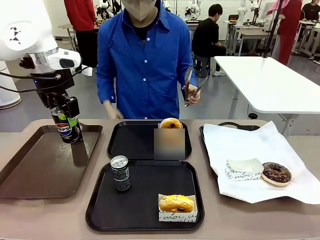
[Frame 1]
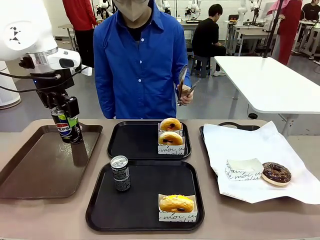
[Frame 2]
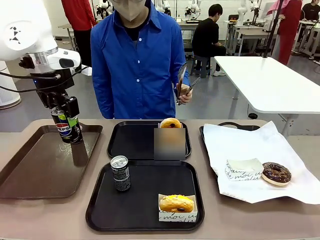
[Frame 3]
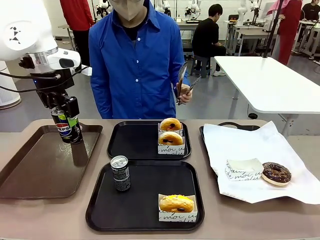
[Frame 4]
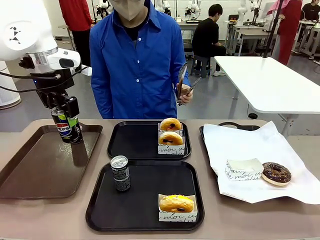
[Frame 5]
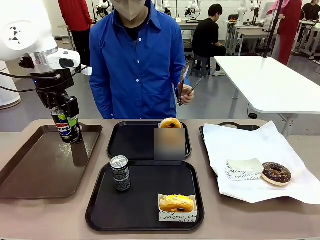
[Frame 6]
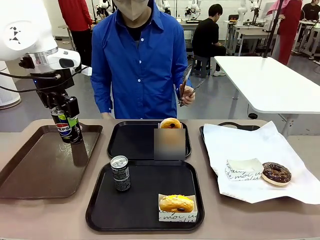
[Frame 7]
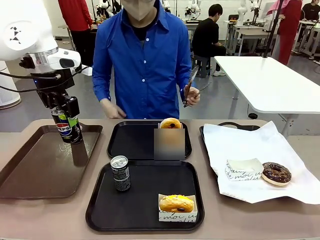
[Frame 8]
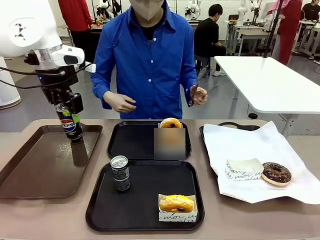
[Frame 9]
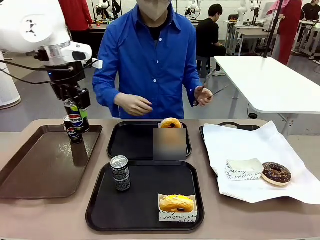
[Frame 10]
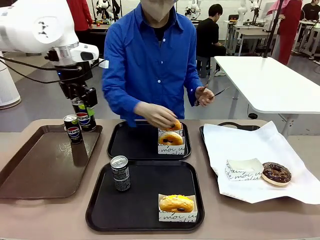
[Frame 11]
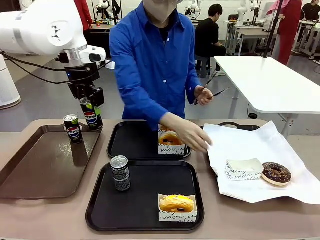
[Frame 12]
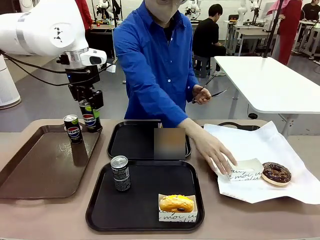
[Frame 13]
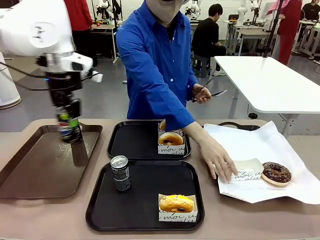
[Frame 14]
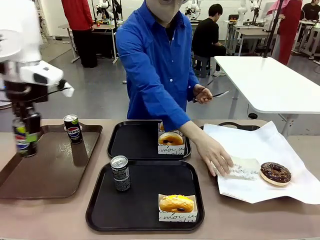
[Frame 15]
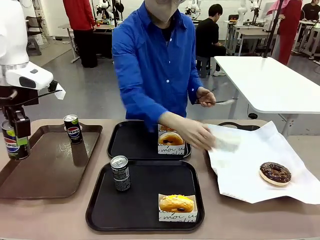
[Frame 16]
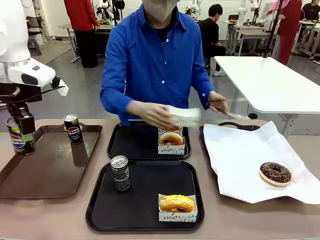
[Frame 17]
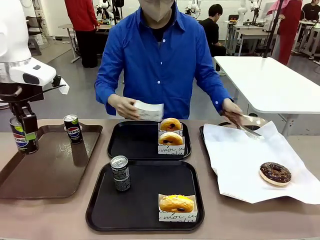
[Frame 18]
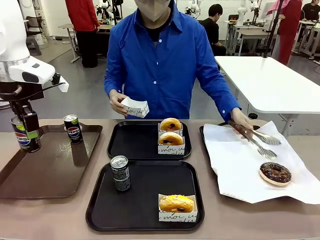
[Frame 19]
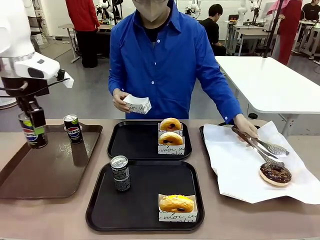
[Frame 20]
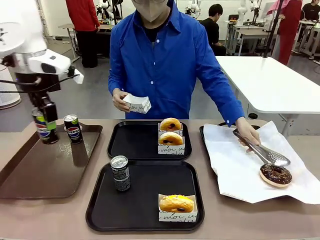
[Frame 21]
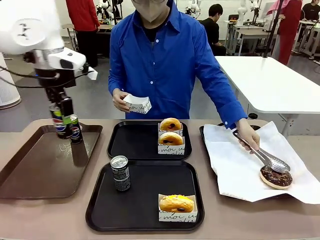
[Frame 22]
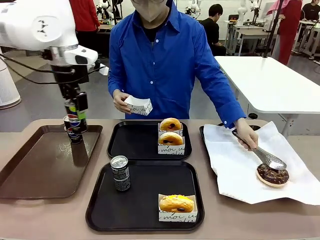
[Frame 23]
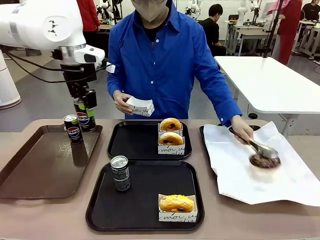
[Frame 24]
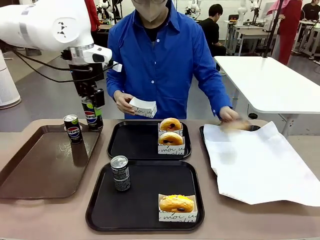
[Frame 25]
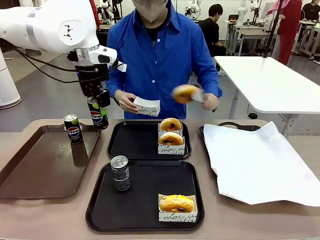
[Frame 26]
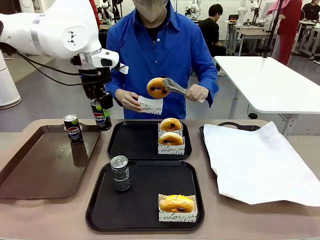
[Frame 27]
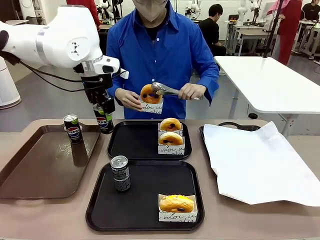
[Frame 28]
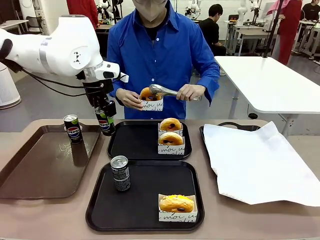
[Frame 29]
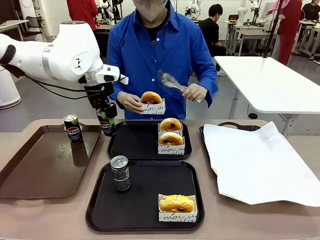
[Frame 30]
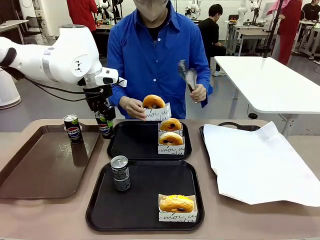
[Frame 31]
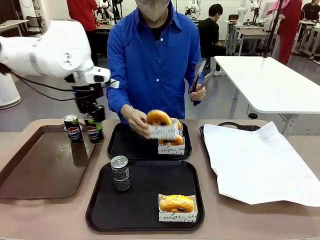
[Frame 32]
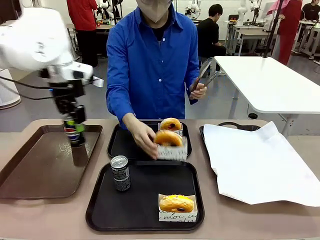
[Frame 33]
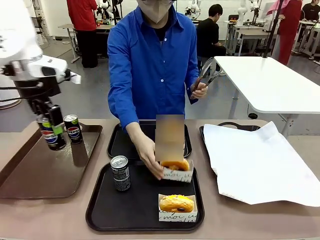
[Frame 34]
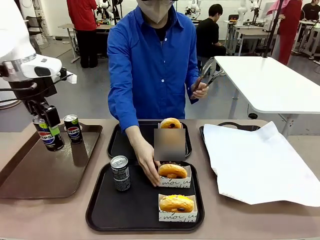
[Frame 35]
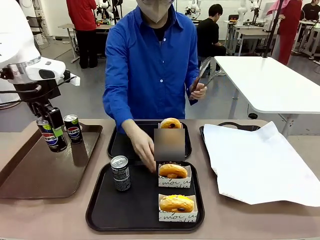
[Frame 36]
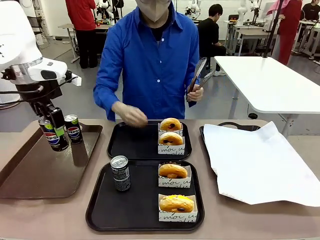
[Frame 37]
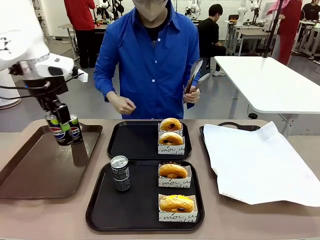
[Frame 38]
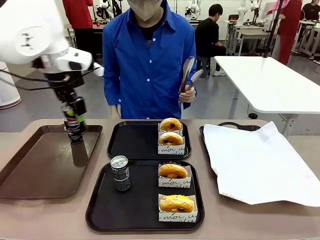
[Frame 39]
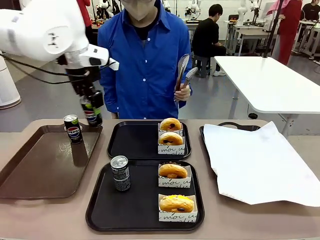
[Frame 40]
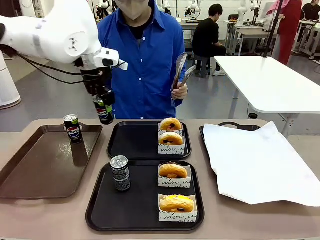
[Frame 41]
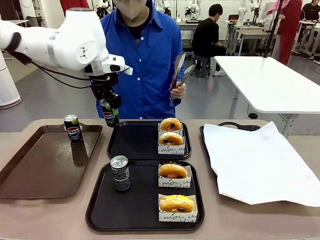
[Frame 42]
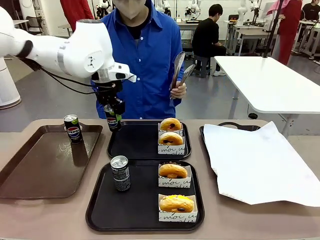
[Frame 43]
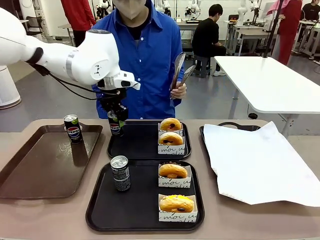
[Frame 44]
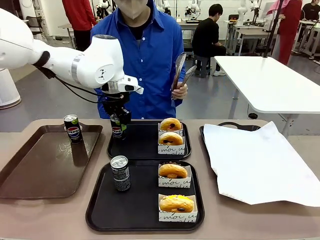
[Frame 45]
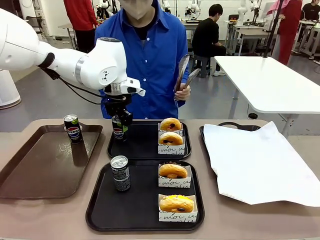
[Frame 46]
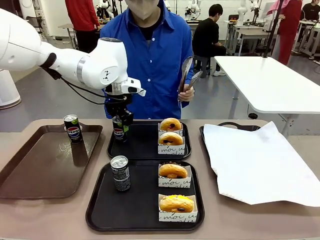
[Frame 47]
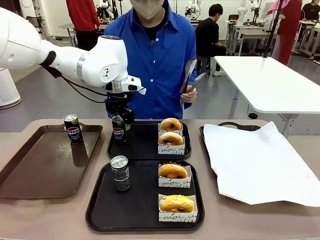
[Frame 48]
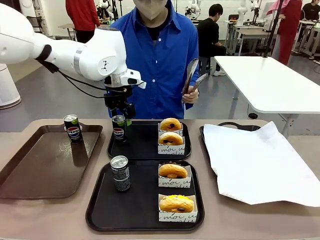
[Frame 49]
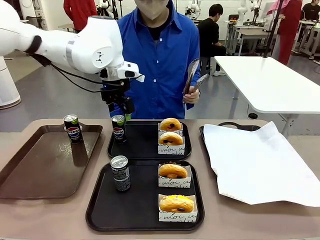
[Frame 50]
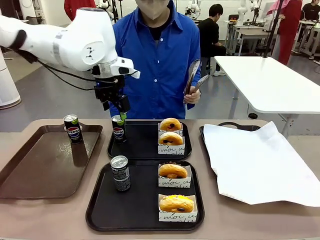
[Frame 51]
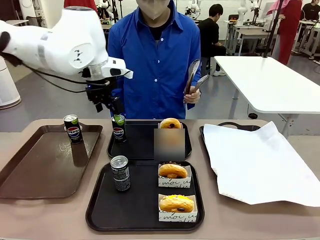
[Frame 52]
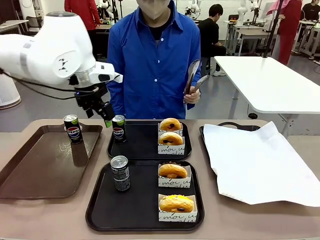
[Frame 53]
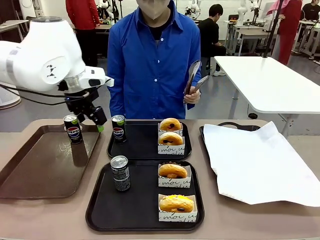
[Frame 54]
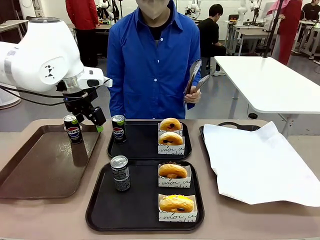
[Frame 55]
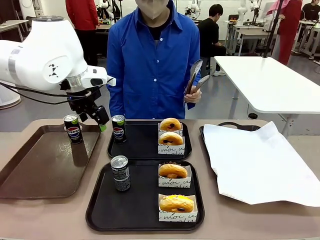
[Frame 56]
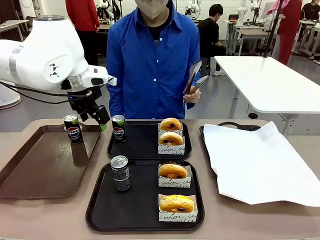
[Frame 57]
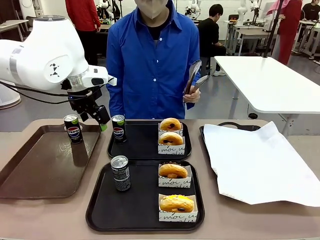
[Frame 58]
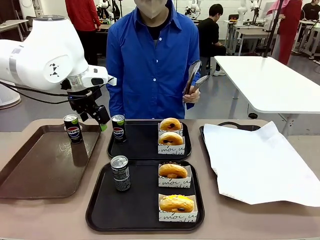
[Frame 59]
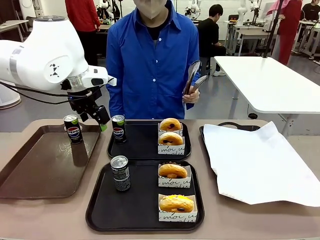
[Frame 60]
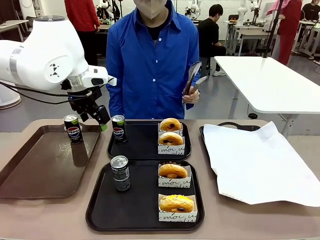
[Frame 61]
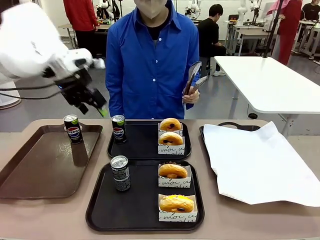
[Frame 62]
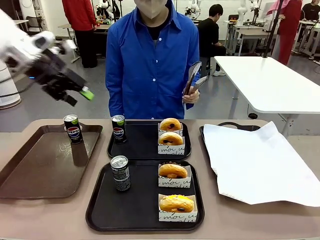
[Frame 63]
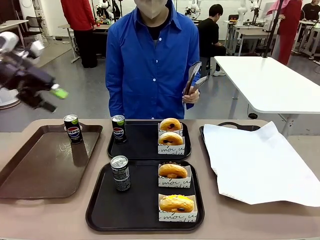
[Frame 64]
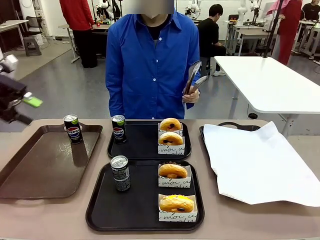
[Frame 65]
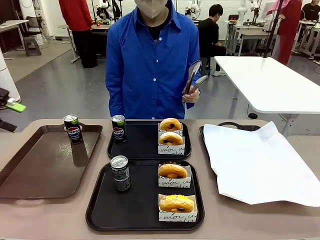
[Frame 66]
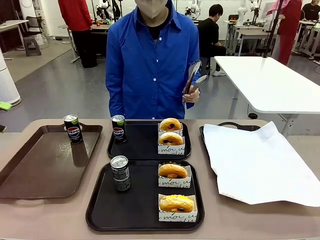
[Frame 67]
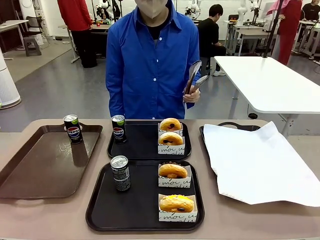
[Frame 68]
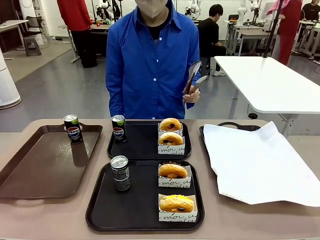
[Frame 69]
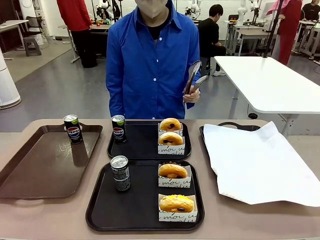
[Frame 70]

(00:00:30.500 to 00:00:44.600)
Task: Set up donuts and drinks on trays.
Robot: Pick up one Pepsi coke from the Handle tray and place it on the Flat Tray without a Pepsi coke.

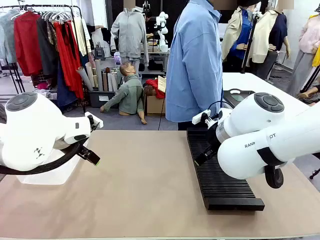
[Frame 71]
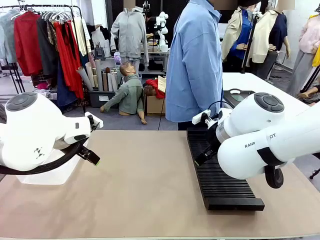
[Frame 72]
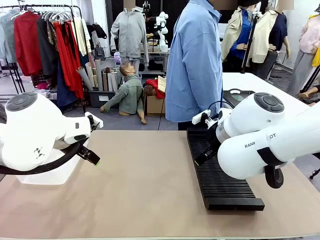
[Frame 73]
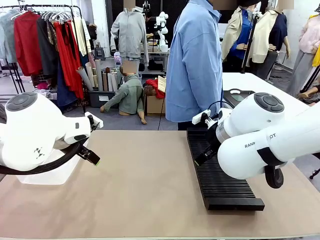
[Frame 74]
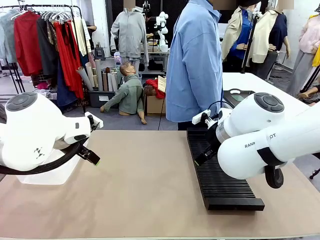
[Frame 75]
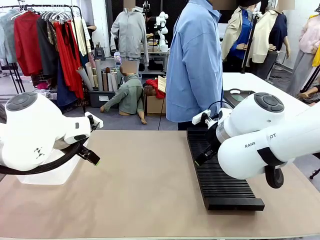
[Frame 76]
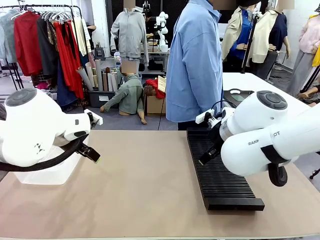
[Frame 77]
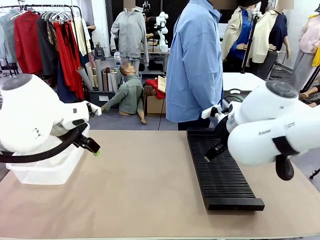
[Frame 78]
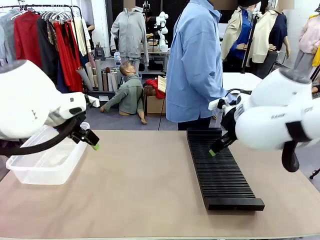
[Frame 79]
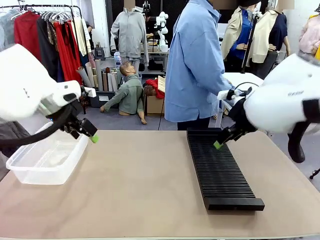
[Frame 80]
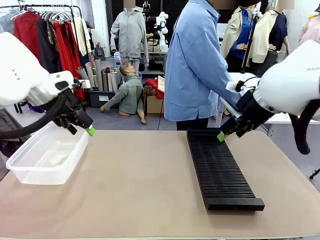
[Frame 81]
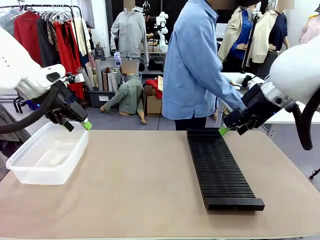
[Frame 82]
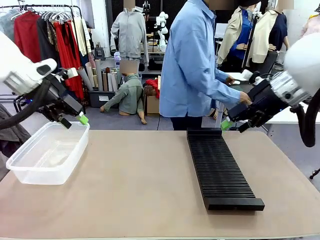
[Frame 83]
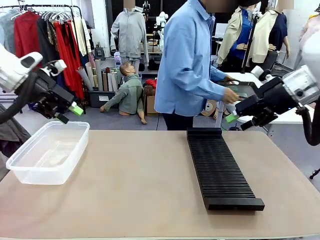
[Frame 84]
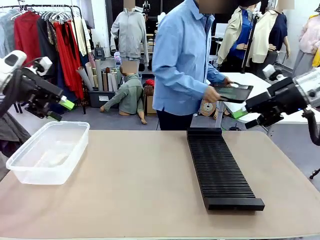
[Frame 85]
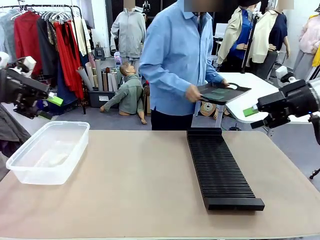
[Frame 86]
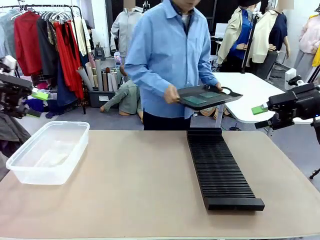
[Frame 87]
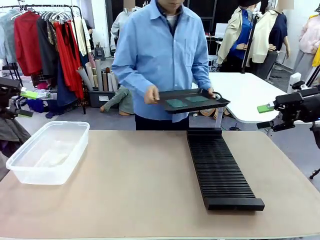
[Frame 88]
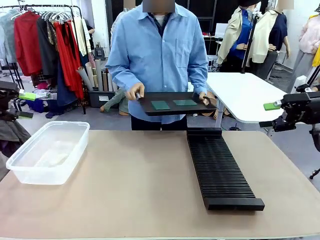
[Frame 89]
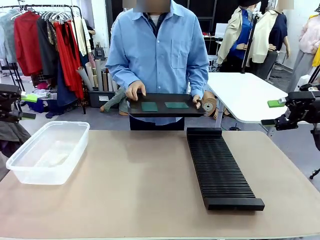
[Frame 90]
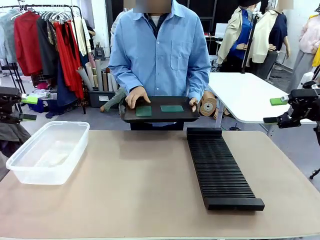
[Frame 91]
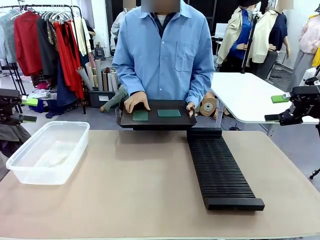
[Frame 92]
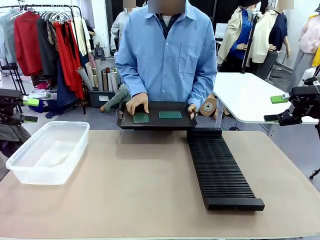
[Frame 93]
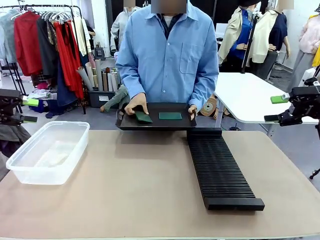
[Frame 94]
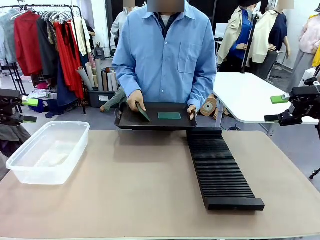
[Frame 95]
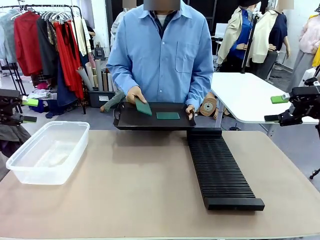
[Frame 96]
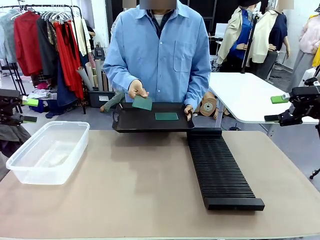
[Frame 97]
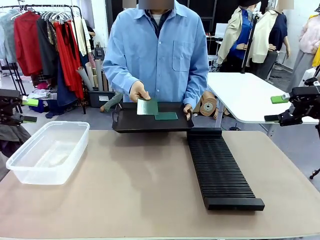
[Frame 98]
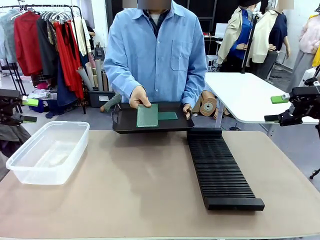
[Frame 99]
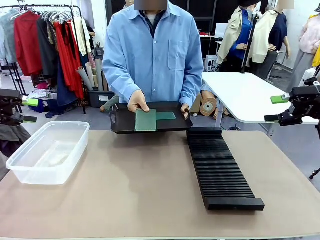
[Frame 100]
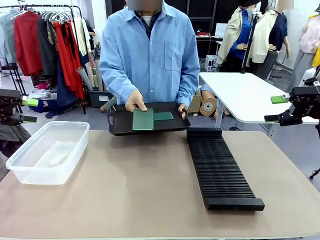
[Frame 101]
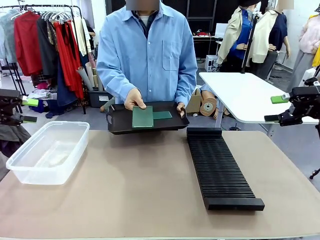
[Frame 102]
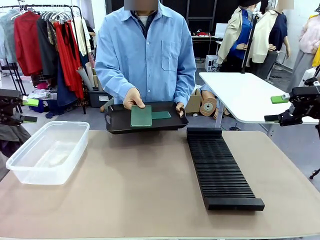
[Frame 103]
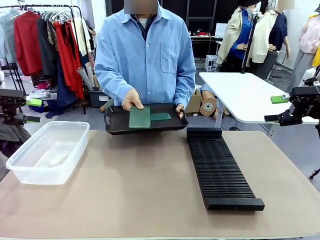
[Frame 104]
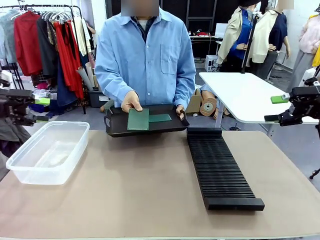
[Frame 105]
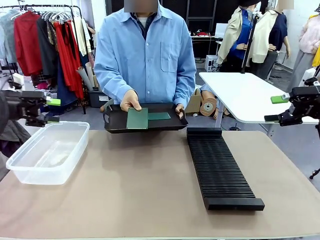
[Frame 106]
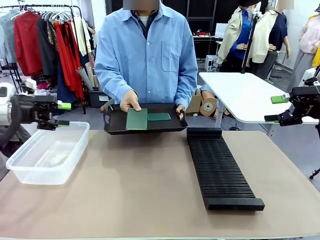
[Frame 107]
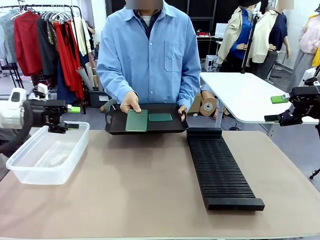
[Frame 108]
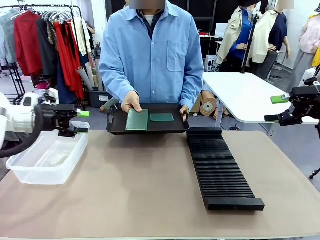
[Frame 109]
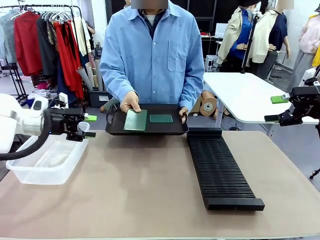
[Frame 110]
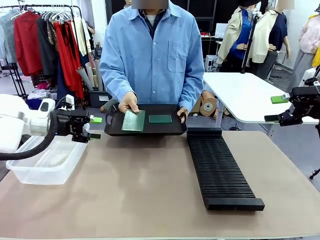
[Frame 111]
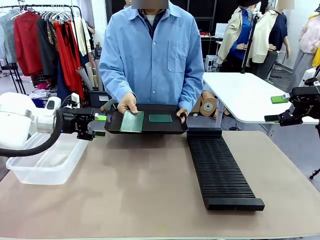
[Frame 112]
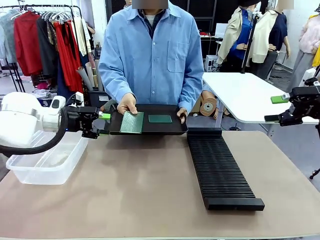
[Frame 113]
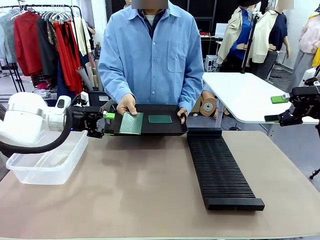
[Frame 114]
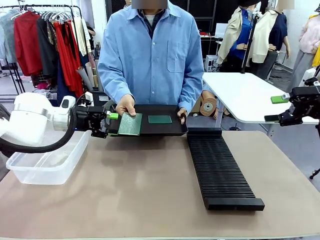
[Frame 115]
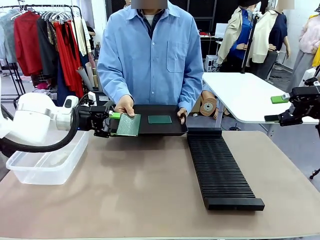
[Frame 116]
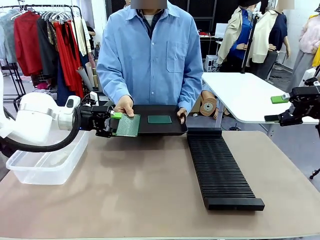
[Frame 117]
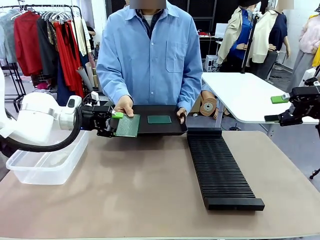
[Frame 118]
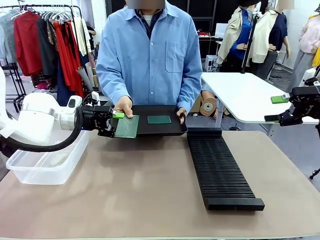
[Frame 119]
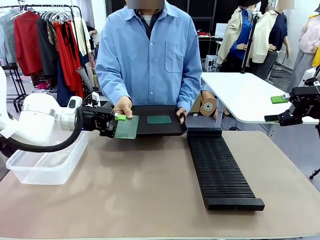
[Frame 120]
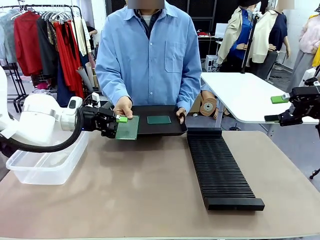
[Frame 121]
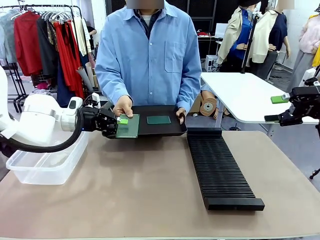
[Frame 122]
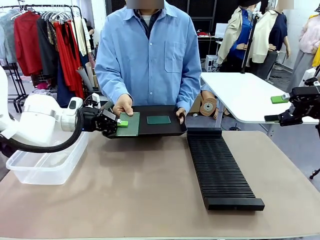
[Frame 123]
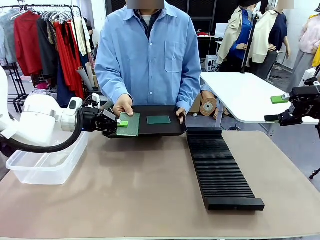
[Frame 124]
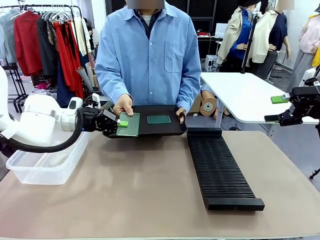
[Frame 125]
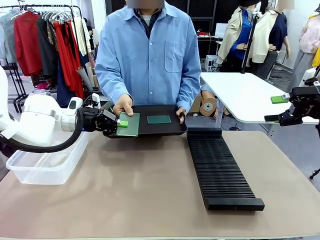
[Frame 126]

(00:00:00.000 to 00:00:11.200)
Task: Sort PCBs into racks and boxes based on the side picked up.
Robot: Pick up the Blank PCB handed by the Human.
Person: Pick one PCB from the tray and present it to the robot. Release the PCB being held.
